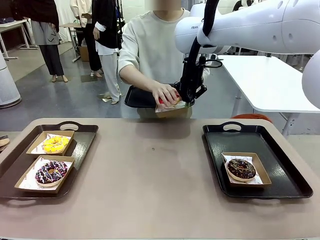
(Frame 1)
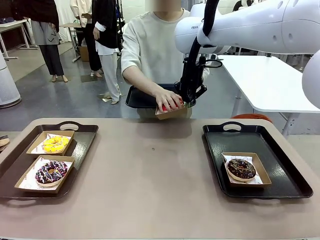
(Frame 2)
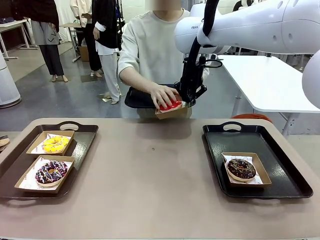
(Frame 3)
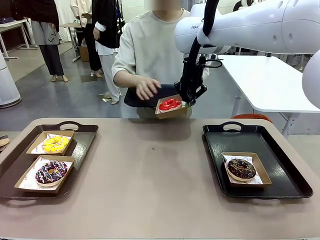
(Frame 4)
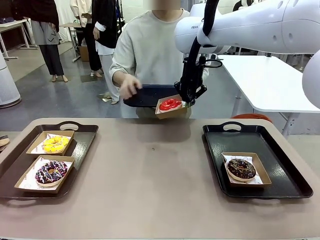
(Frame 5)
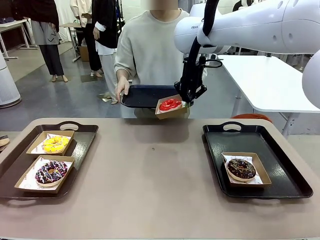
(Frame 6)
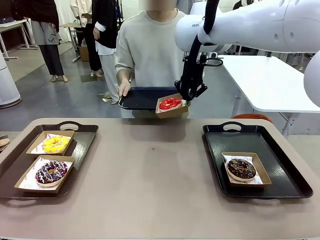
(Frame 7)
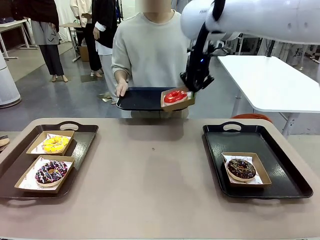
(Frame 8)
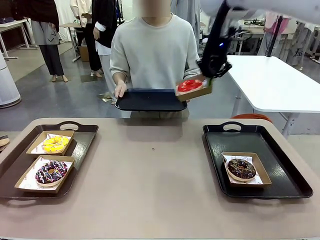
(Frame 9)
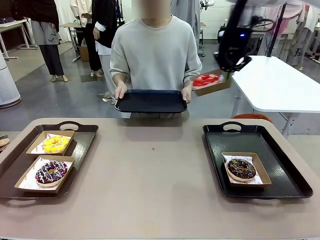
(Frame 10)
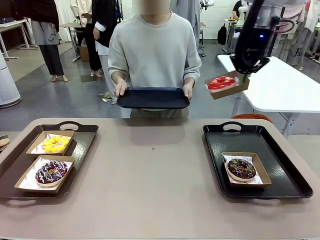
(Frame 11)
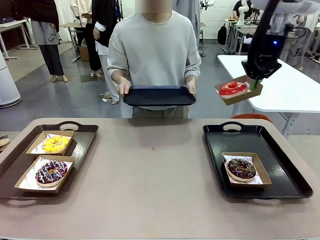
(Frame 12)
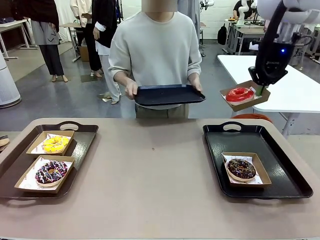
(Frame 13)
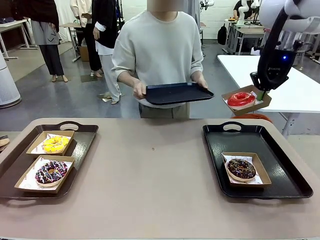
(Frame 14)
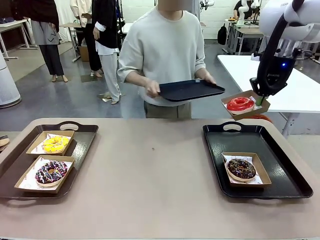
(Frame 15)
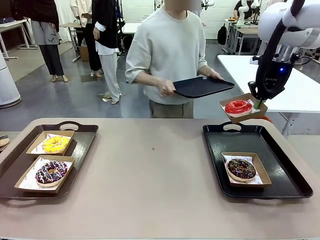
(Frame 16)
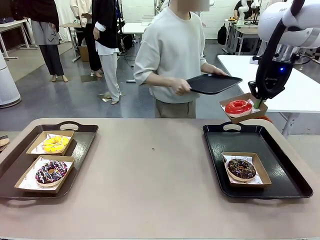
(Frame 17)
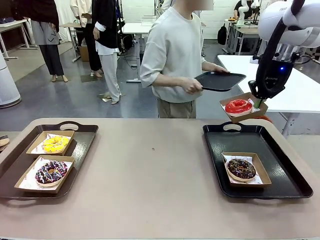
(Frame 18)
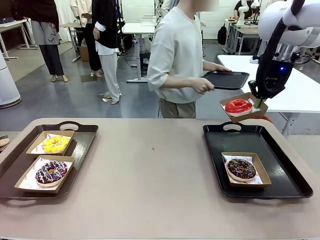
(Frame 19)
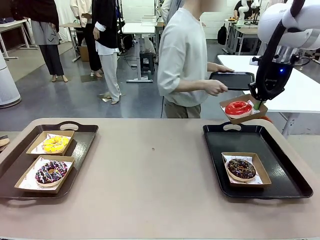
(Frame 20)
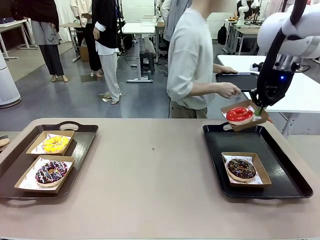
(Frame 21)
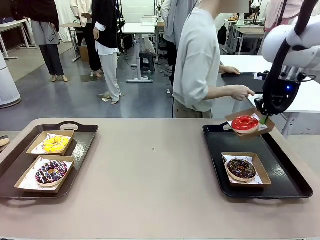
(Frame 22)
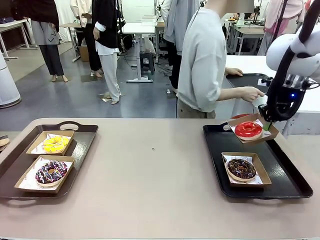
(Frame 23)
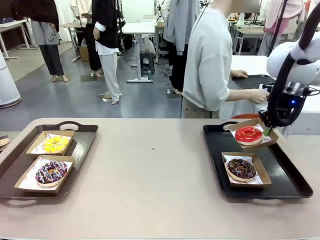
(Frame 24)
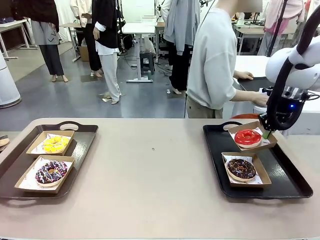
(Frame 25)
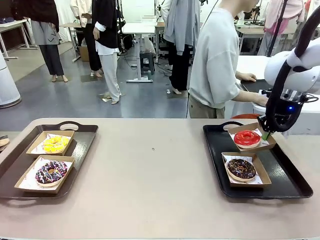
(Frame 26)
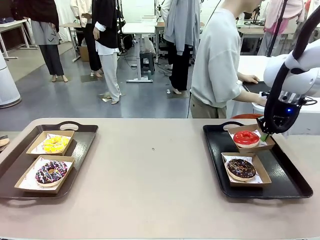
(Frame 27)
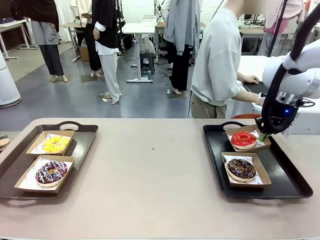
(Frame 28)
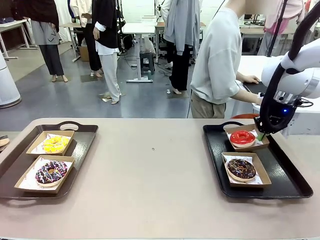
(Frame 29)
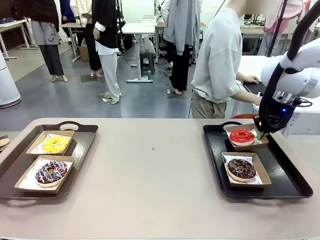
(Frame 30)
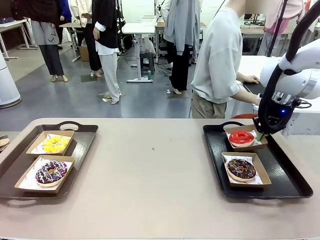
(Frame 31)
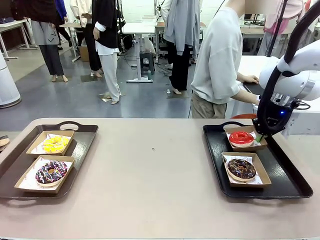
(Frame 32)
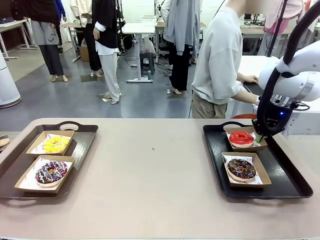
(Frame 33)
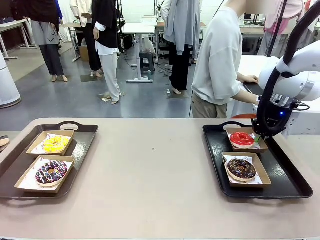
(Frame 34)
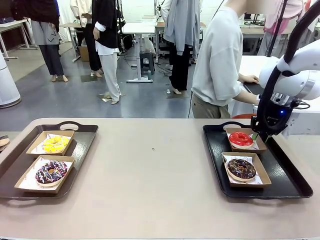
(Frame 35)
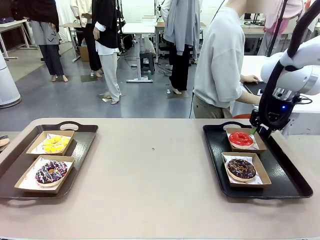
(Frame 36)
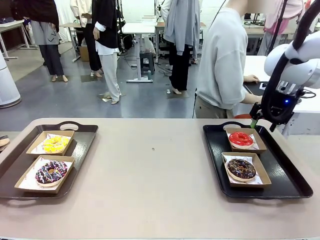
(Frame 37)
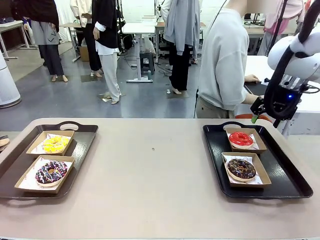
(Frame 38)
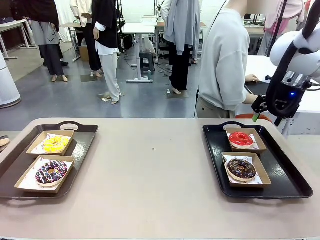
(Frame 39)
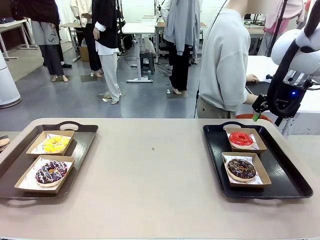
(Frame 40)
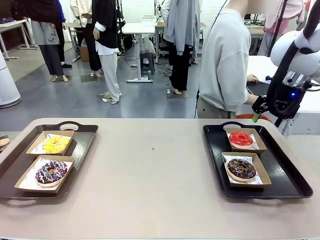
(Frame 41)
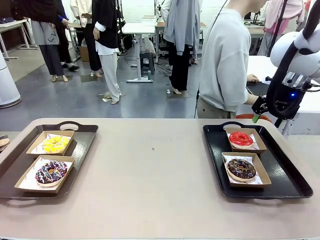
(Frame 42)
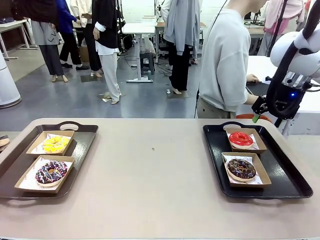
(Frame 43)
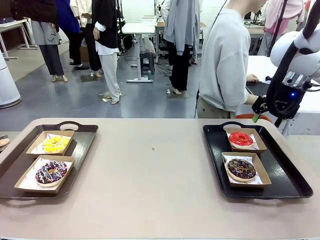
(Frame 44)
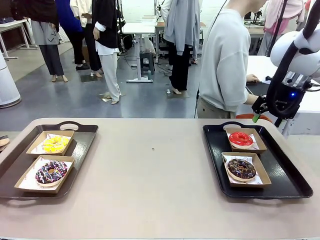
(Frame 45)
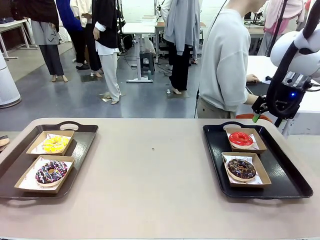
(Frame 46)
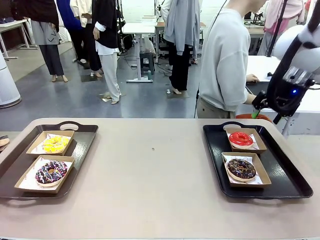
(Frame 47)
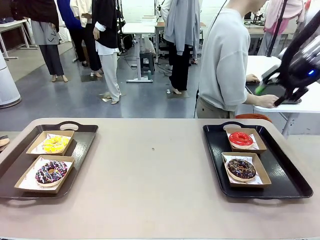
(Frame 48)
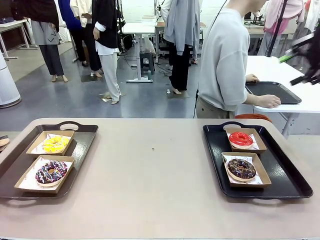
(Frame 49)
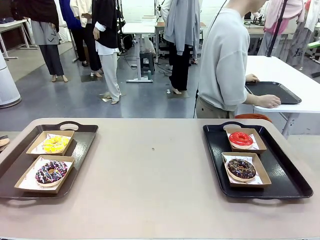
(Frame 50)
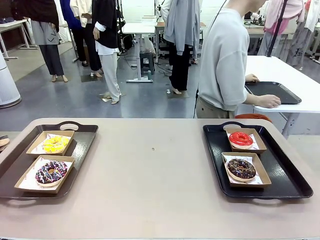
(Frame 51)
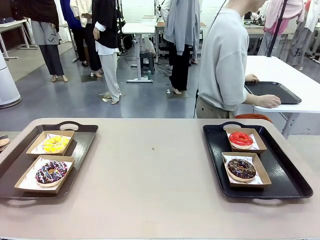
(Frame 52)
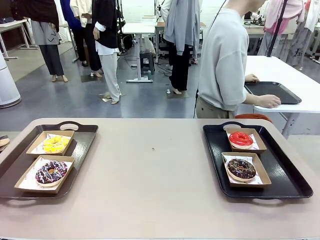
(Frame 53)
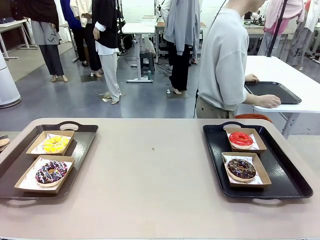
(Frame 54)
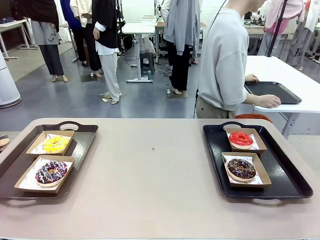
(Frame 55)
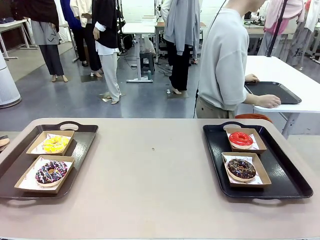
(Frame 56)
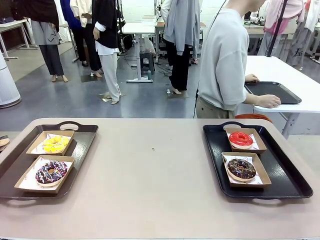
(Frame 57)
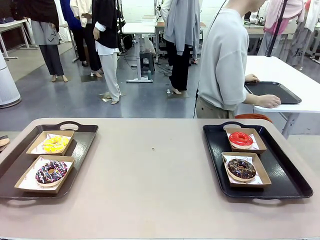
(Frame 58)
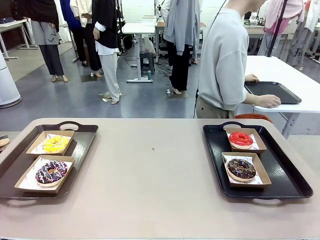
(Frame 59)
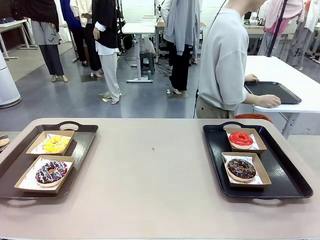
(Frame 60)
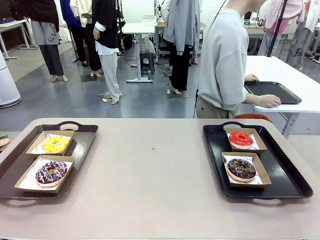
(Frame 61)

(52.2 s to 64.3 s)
Task: Individually package the donuts and arrange them on the tray.
Robot: Place the picked Paper togo box on the Handle tray.
Person: Place the tray down in the middle of the human table.

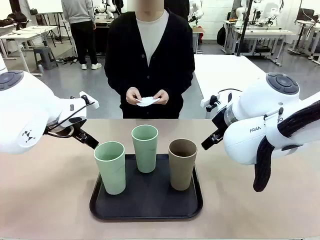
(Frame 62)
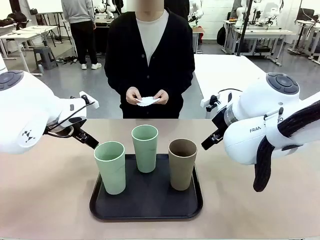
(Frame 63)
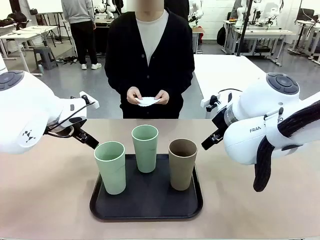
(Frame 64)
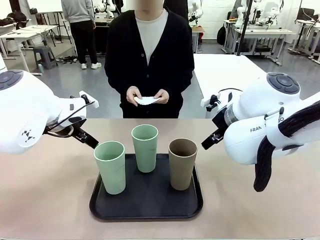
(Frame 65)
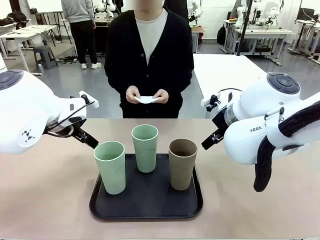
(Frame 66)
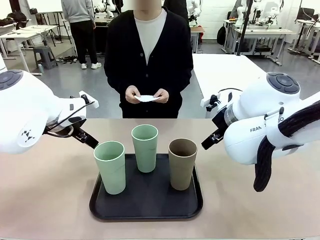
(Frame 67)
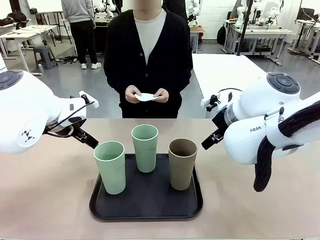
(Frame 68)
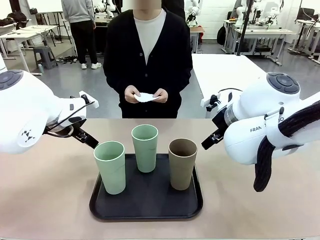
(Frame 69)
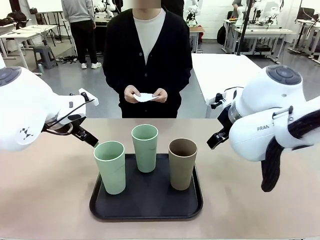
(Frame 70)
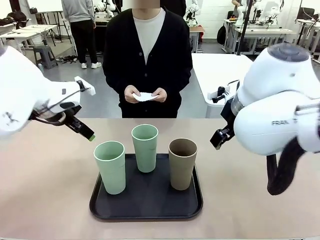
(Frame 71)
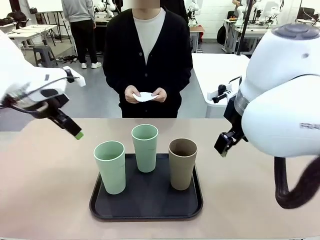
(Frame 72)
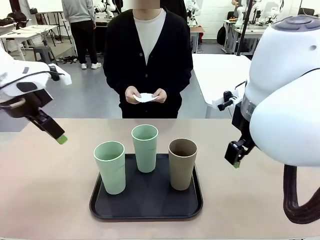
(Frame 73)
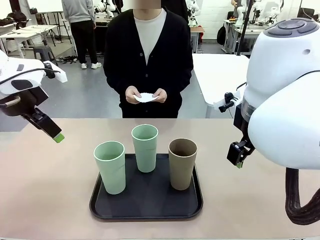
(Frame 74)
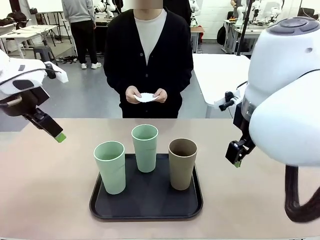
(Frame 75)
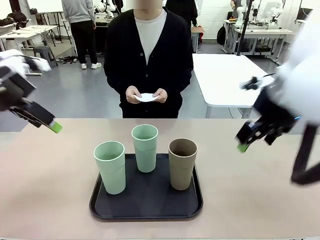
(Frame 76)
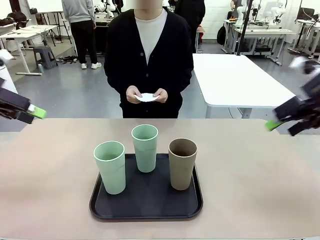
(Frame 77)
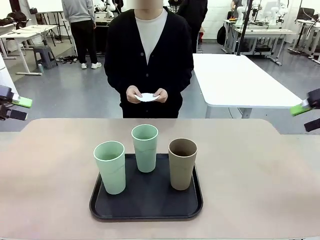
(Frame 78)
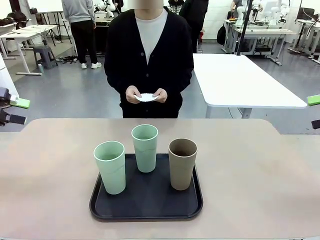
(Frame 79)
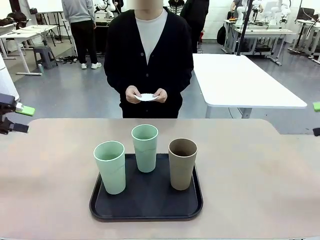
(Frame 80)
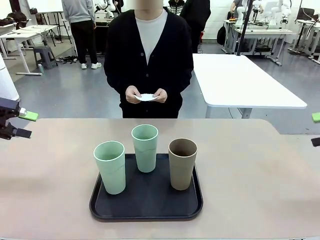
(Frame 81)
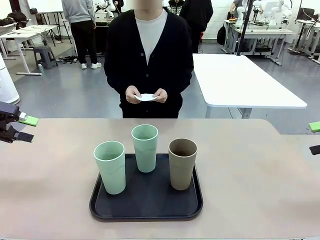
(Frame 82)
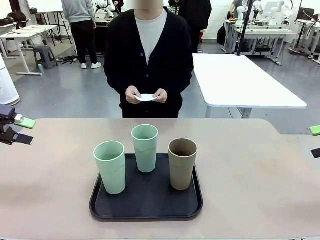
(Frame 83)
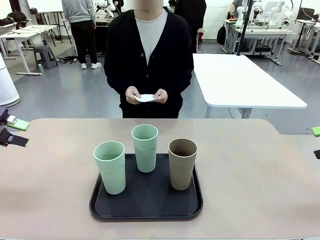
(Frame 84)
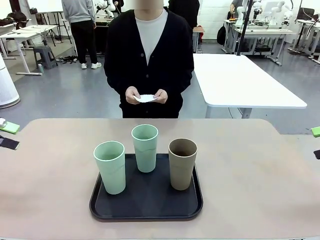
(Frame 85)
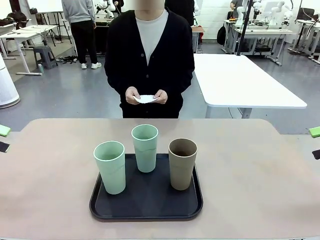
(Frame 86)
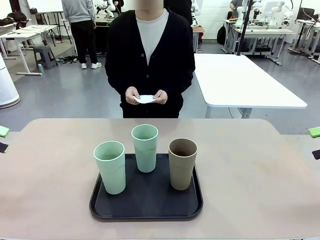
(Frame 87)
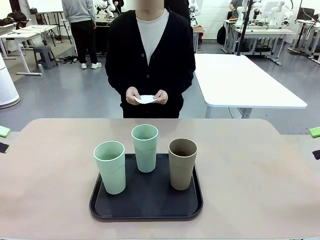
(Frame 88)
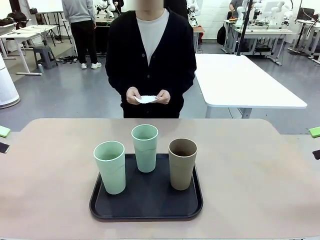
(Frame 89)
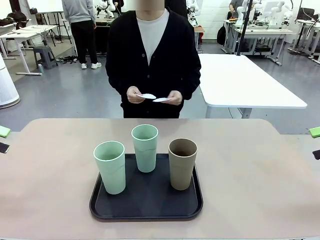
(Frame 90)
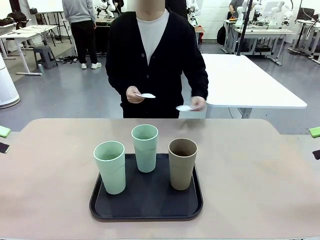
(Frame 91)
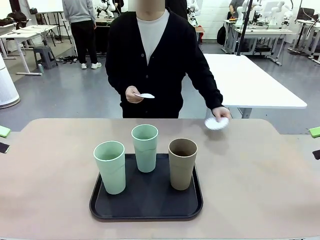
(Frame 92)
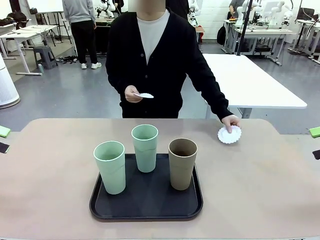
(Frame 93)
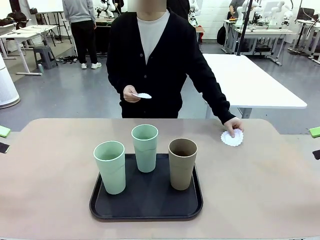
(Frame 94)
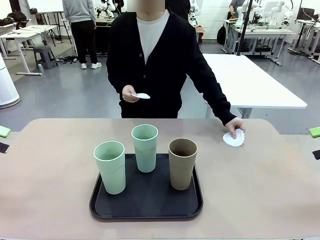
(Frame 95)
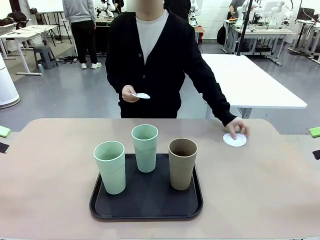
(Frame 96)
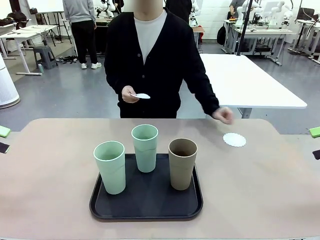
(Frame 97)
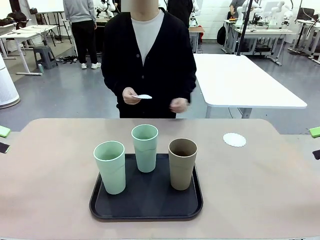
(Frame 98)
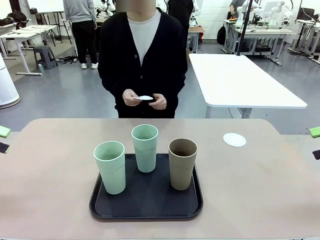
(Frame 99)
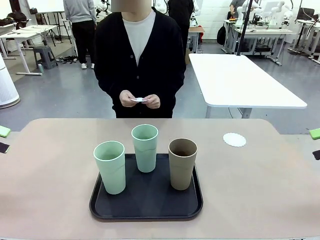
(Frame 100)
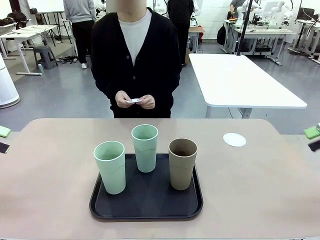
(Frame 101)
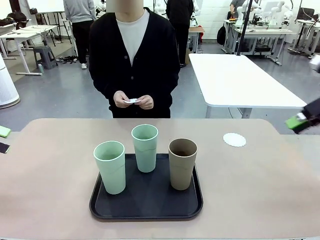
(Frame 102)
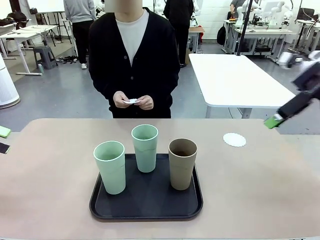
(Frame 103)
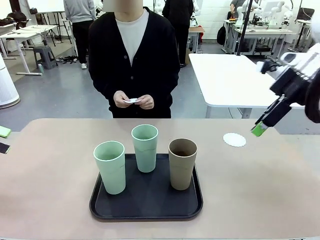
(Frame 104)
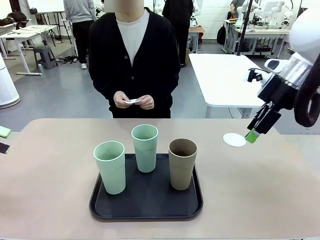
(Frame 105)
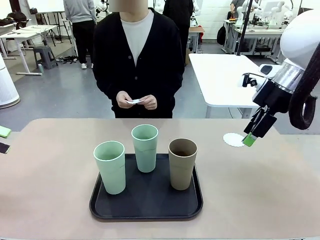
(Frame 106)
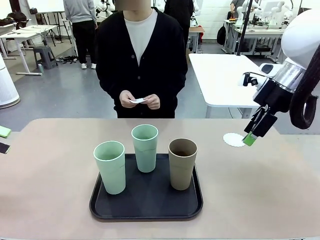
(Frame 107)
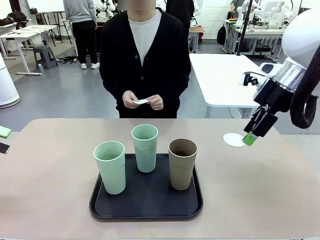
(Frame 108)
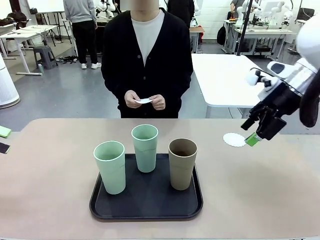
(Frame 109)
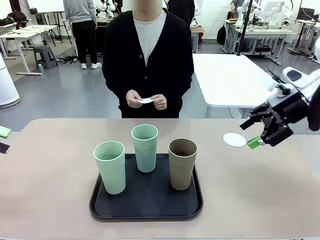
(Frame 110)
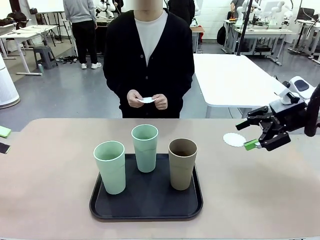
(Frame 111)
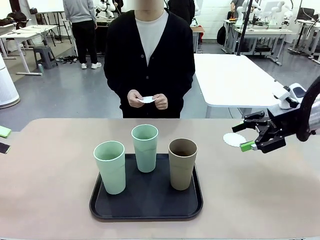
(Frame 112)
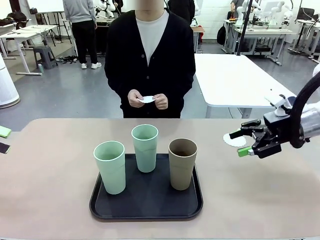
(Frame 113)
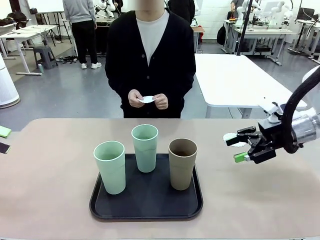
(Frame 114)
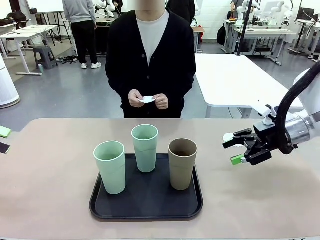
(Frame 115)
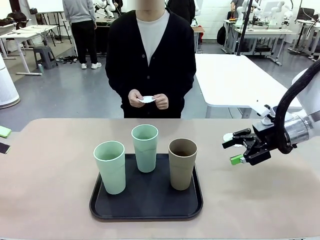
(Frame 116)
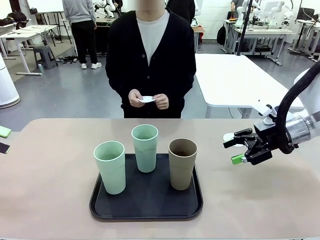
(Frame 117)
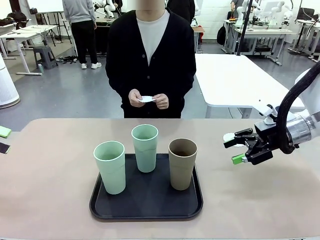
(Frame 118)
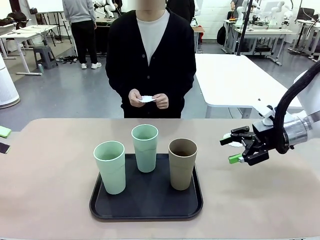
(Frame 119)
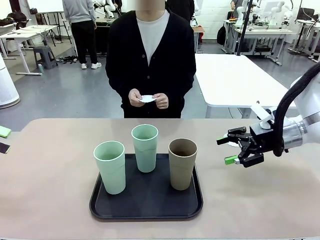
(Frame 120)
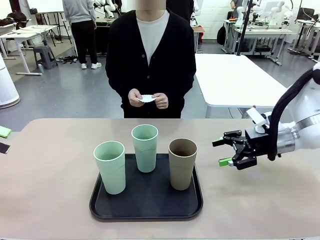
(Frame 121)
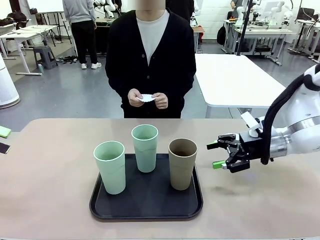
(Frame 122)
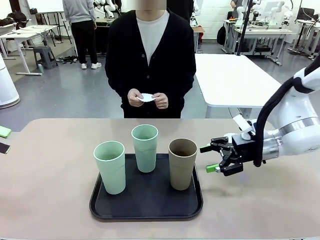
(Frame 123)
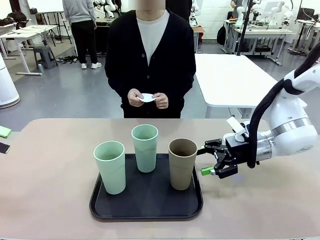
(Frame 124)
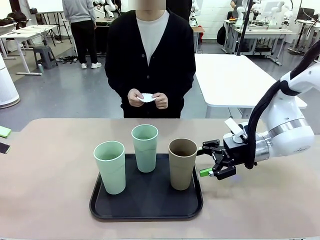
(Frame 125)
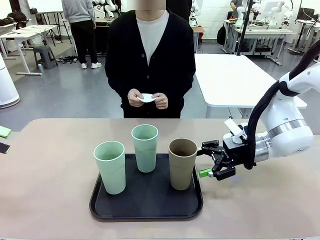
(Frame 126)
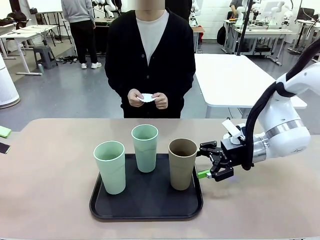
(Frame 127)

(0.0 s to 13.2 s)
Task: Place coasters on the table and set cups on them.
Robot: Pick up one Reusable plastic cup and place it on a coaster set by the human.
Person: Place one coaster in any one of the three lower areas of the robot table (left, center, or right).
